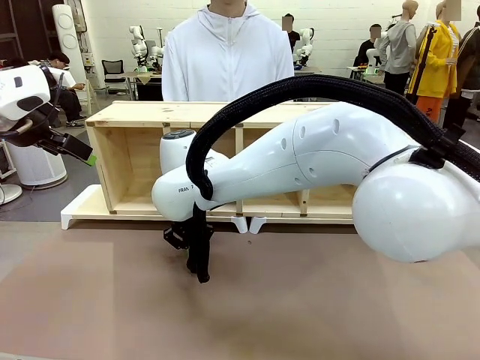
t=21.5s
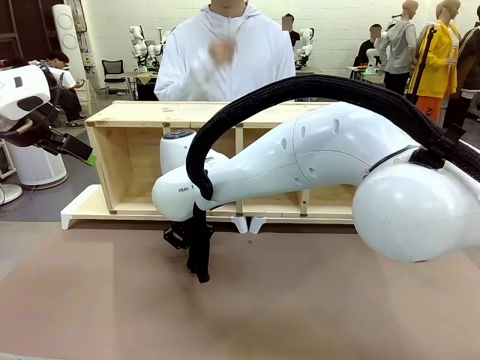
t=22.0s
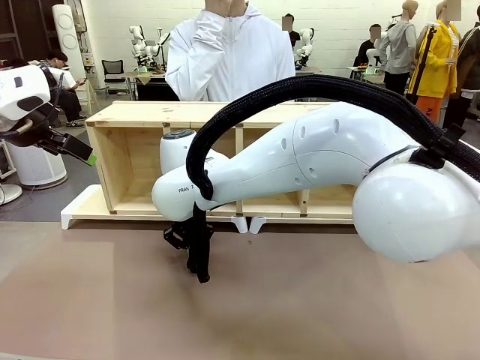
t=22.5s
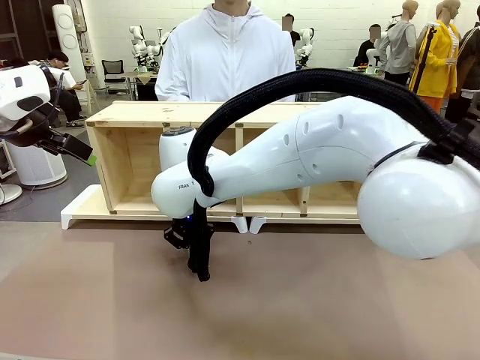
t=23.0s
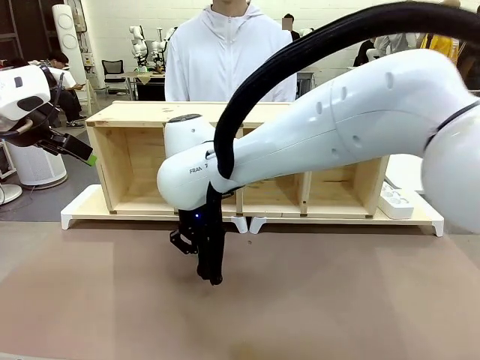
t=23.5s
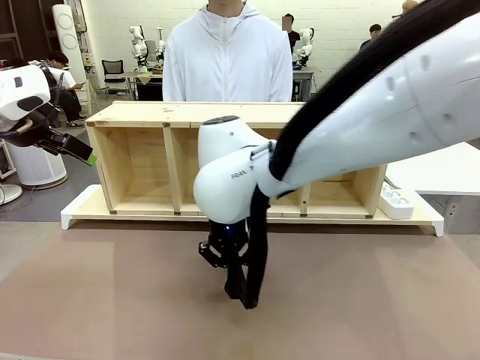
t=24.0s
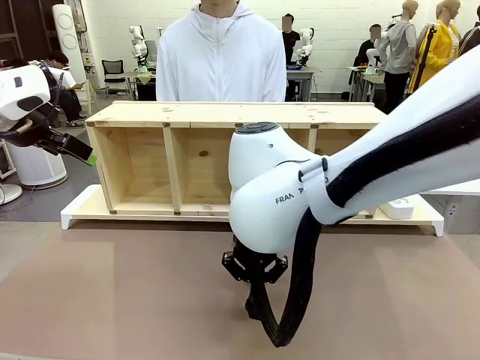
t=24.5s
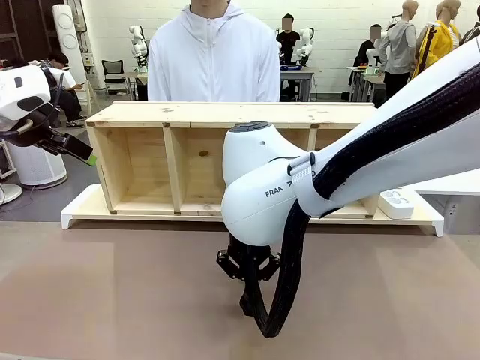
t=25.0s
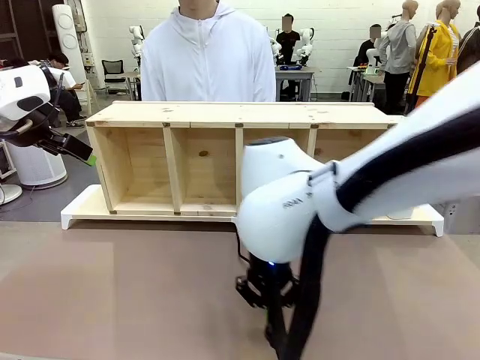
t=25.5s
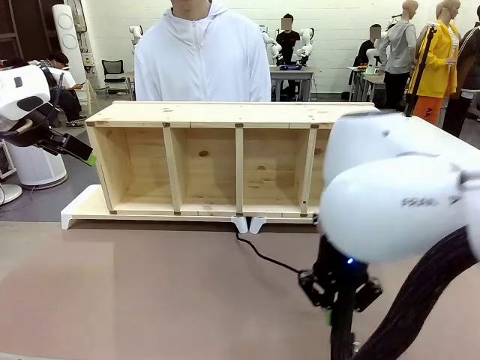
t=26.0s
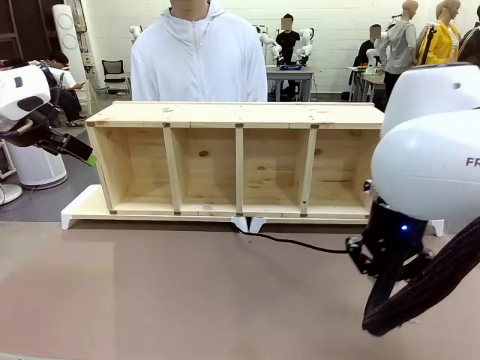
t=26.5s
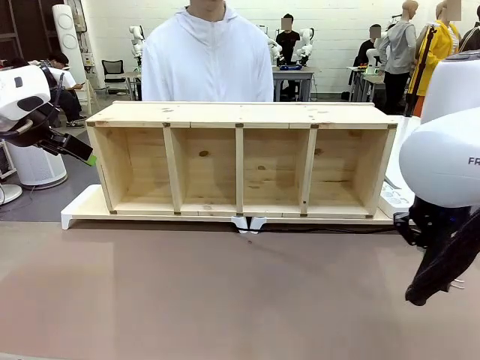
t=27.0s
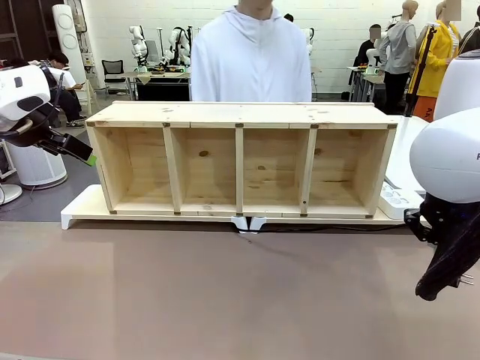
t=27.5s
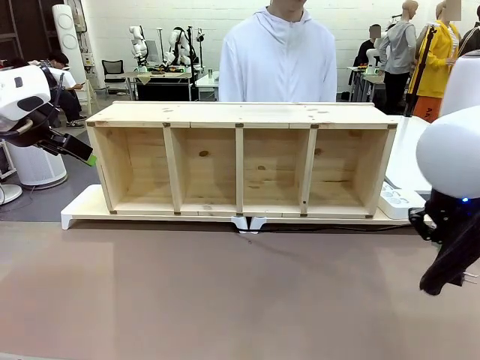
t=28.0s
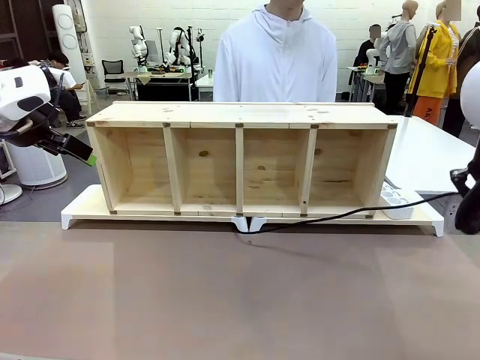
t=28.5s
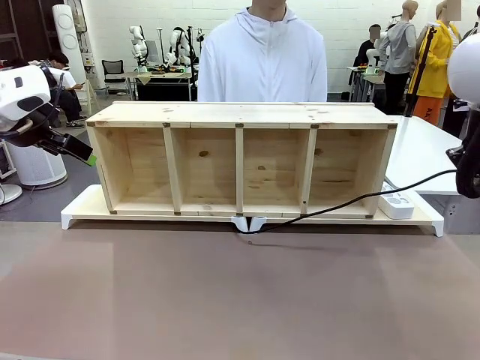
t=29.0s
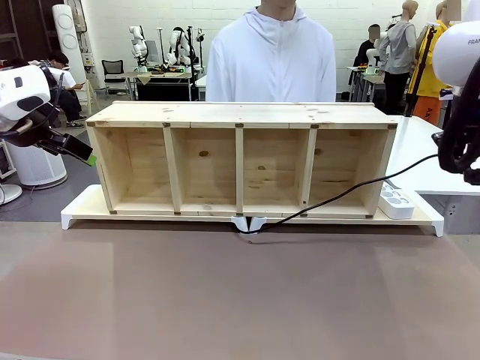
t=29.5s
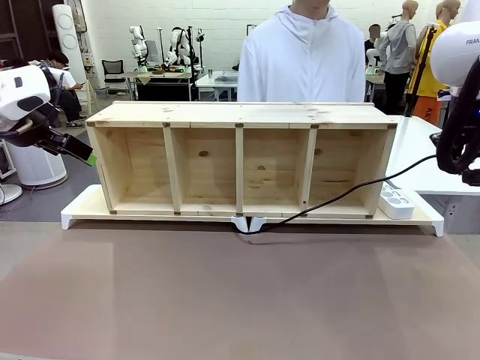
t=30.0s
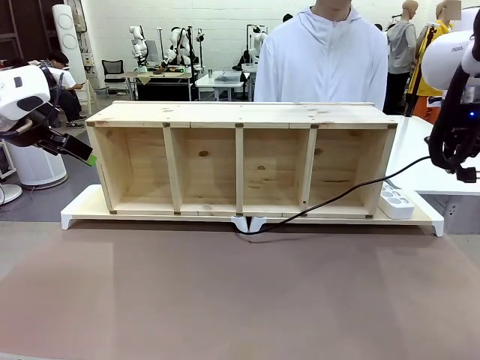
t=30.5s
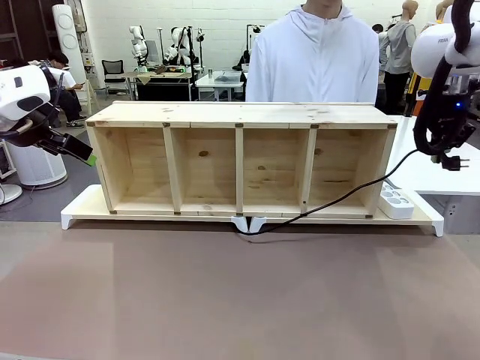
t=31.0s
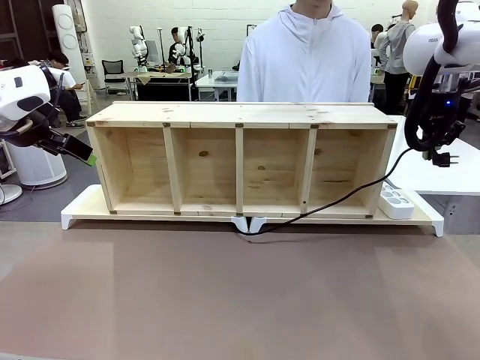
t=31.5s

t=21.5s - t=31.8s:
Task: Perform cable management.
Robot: Pull the grasped Power Cable to the location of the Power Strip.

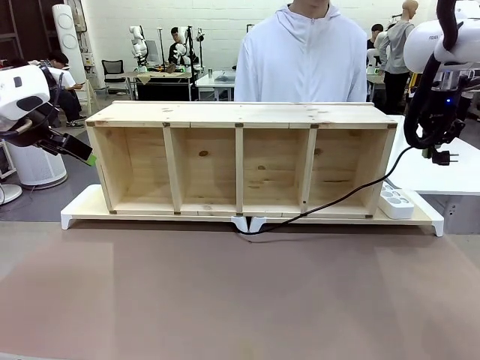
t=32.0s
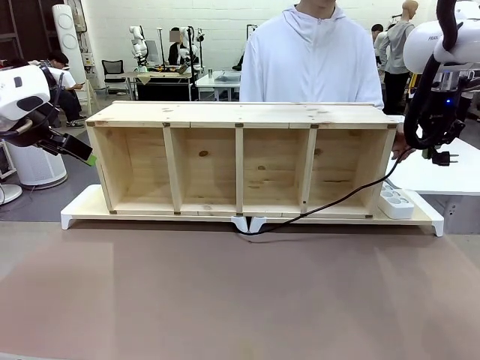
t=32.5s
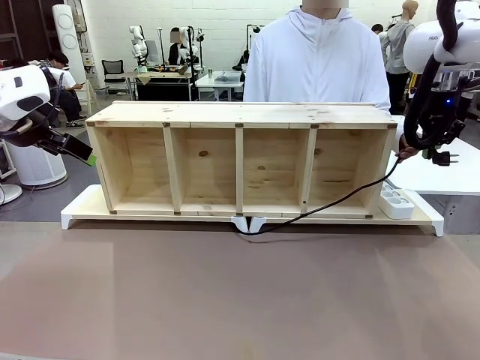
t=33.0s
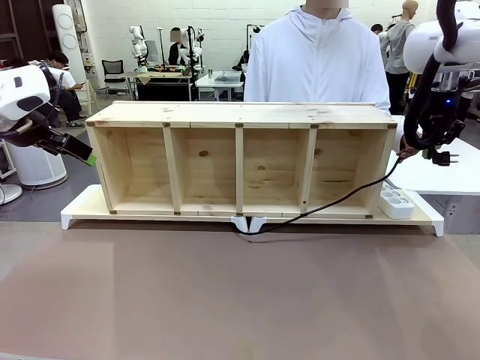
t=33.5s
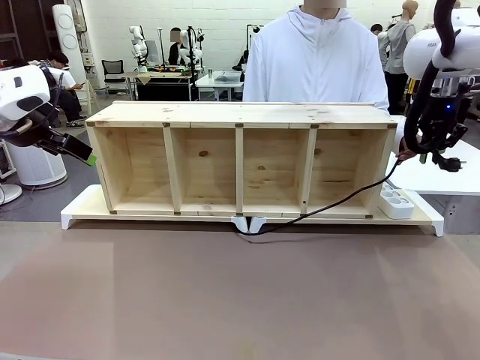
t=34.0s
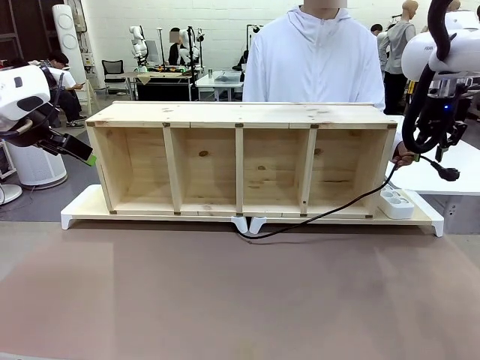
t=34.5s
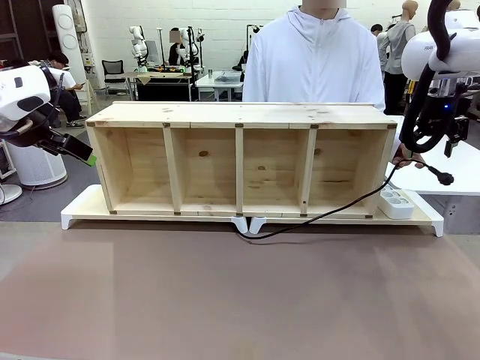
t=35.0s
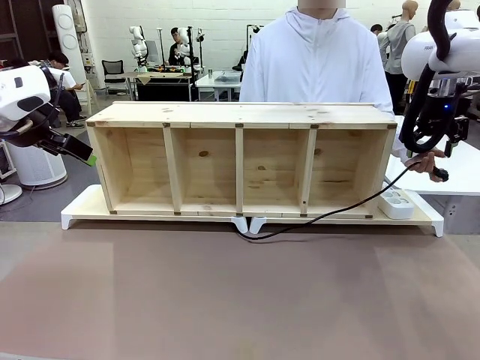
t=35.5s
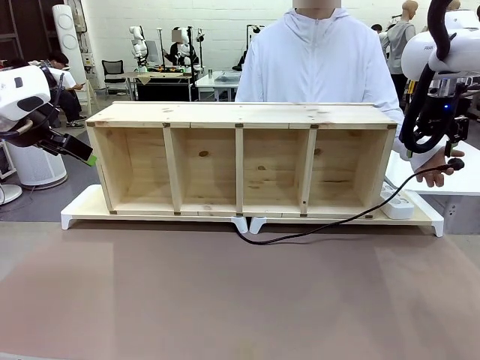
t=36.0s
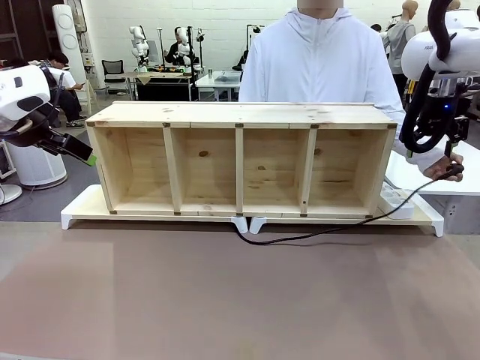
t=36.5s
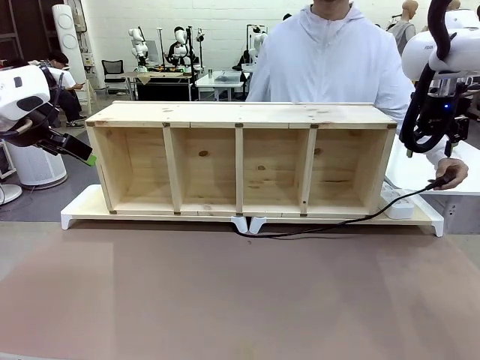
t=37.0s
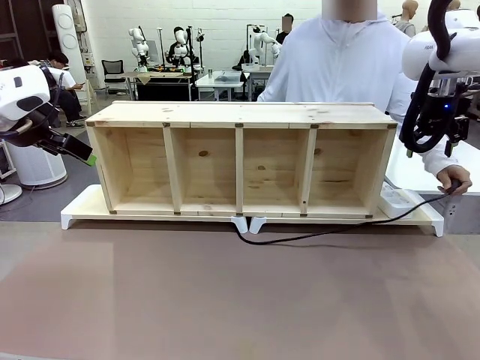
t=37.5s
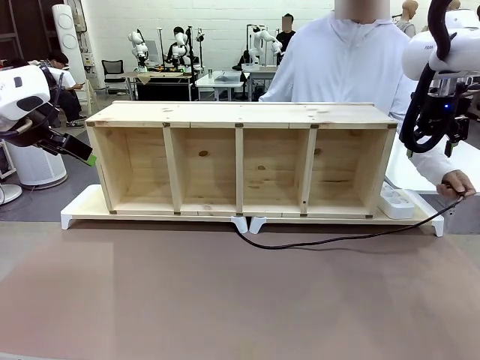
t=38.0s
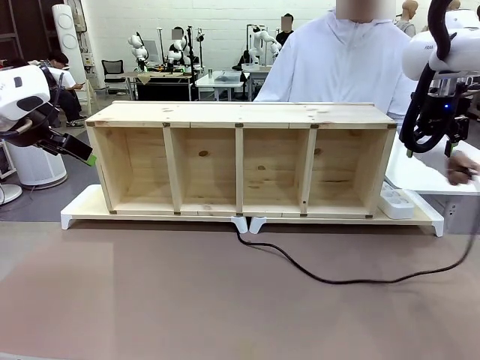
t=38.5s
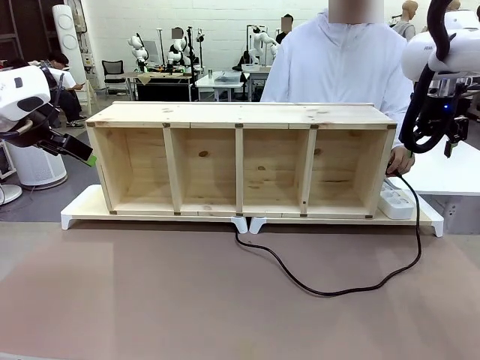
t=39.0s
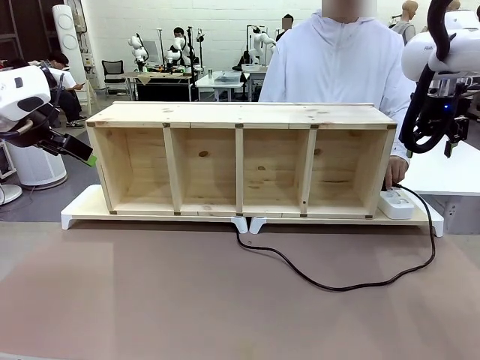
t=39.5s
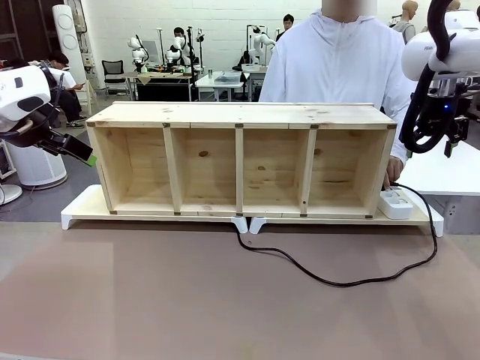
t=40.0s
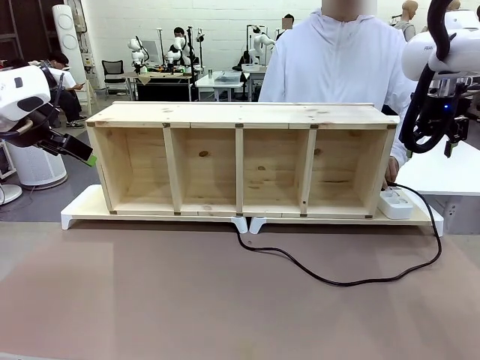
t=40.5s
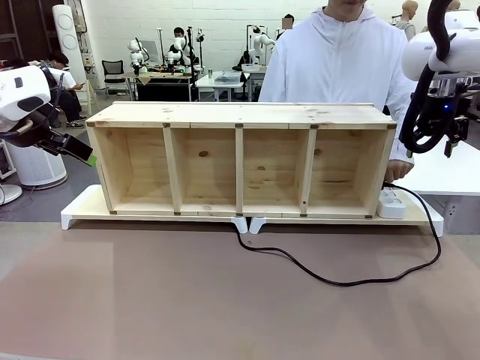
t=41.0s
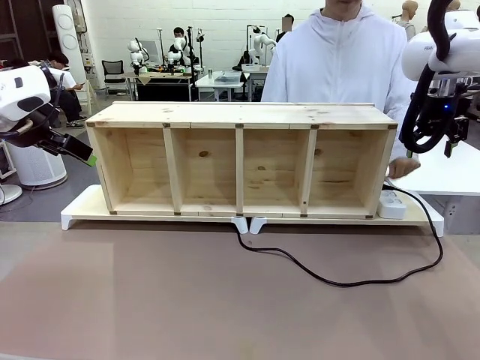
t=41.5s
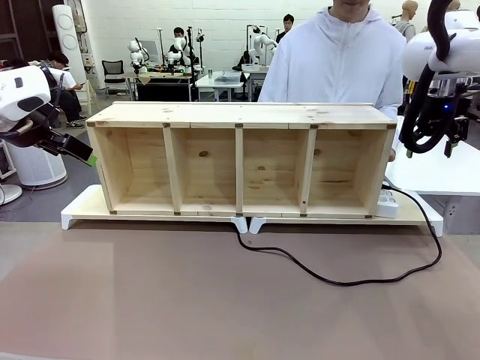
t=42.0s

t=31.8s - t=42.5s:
Robot: Release the Power Cable when the human grasps it.
Person: Plug the Power Cable into the Power Strip.

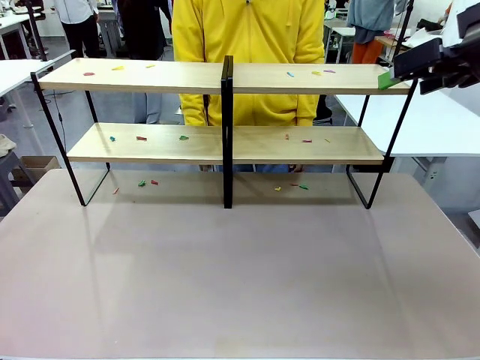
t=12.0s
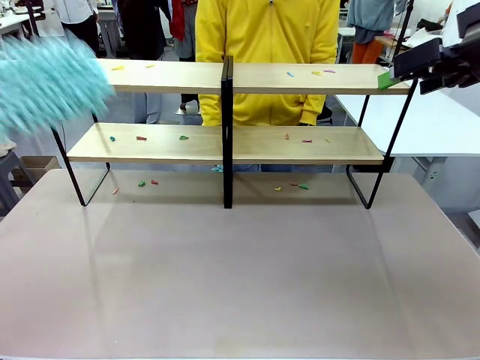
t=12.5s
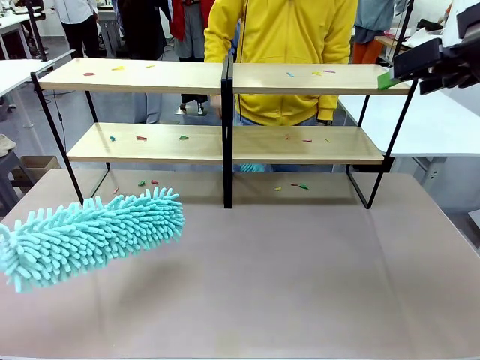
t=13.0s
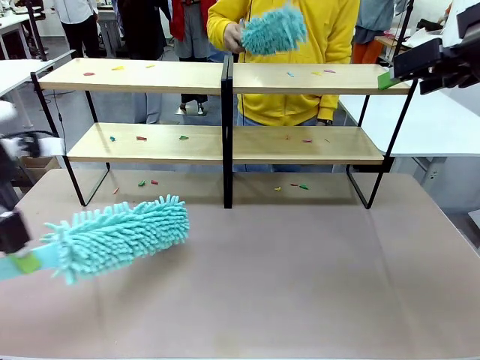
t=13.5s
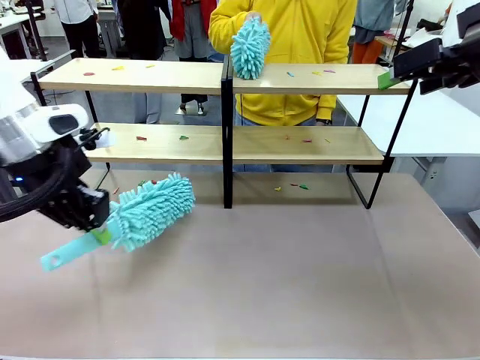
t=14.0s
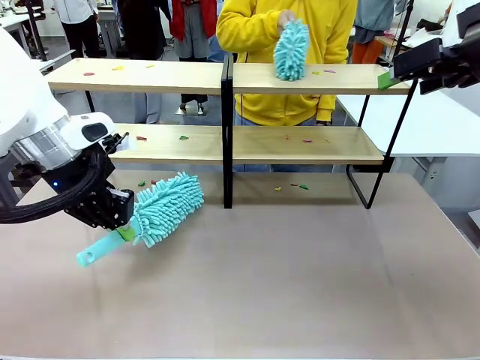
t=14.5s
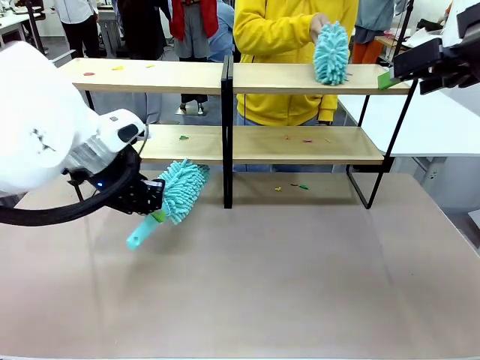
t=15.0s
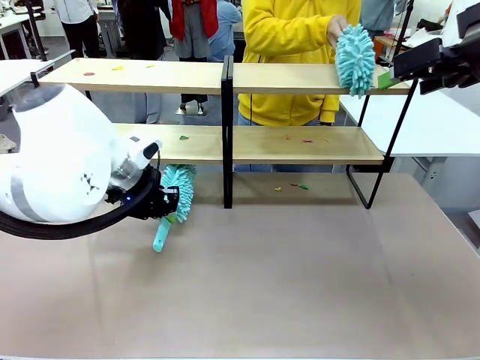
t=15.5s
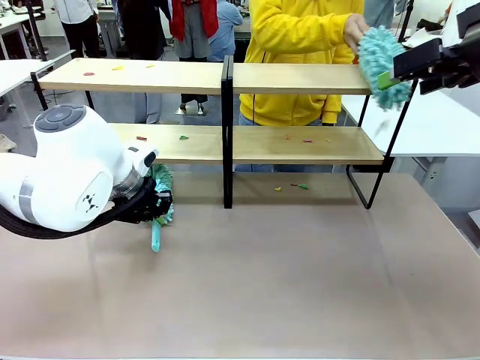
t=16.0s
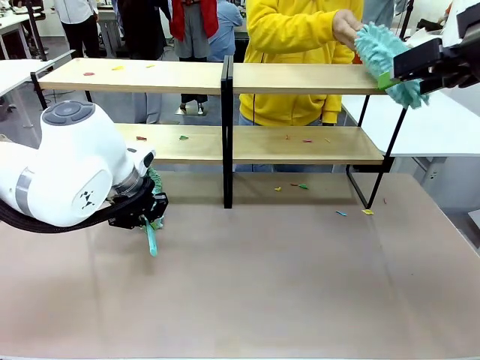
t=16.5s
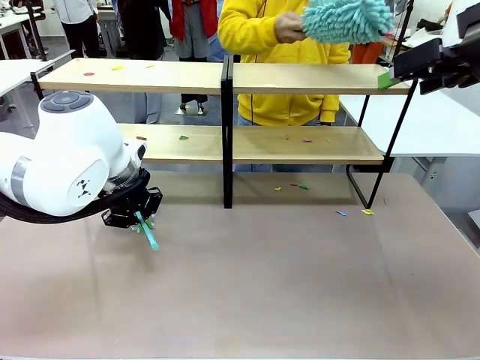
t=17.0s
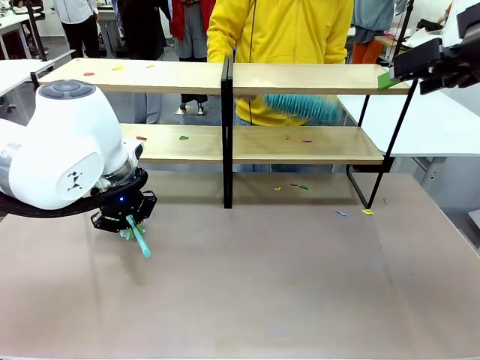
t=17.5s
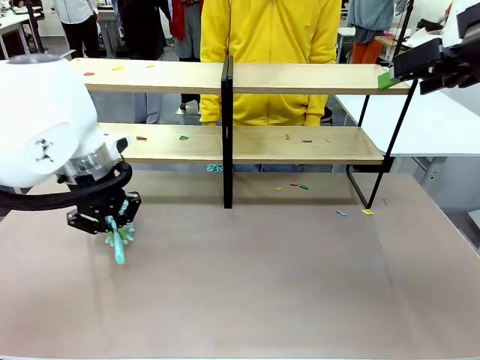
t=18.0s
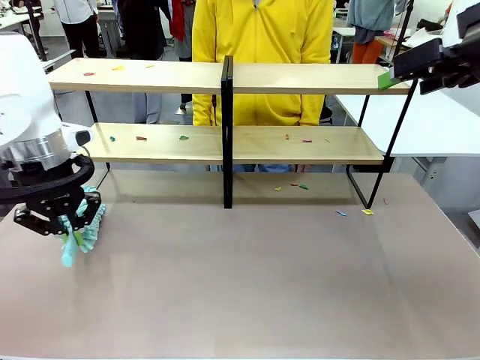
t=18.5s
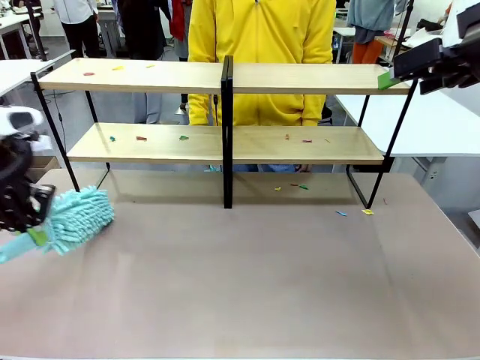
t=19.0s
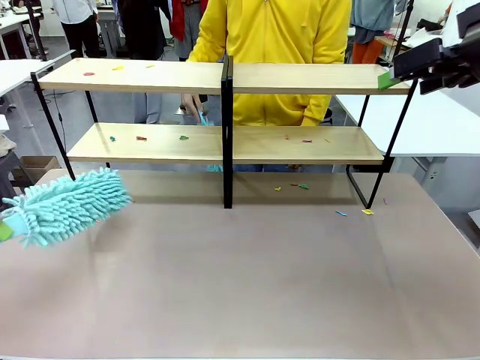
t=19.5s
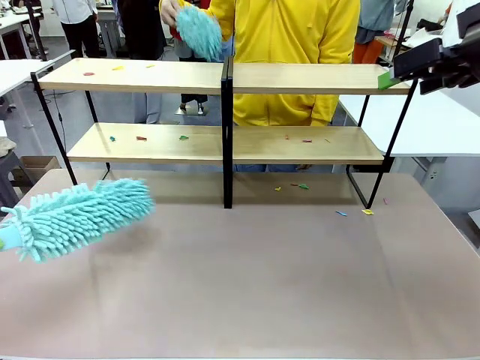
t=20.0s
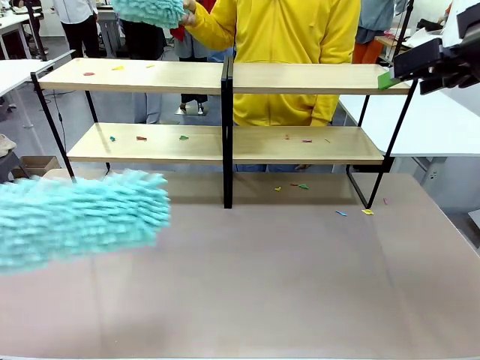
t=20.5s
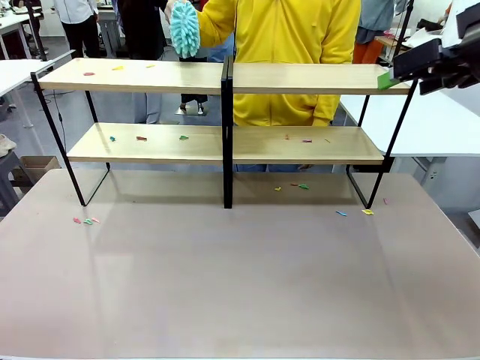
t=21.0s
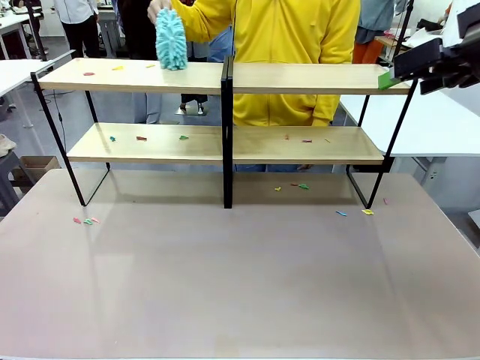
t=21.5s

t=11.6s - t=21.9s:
Task: Clean the shelves.
Robot: Clean a randomly selected level of the Shelf with the Duster.
